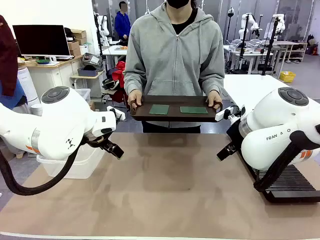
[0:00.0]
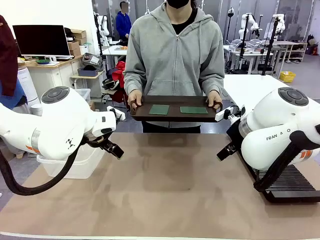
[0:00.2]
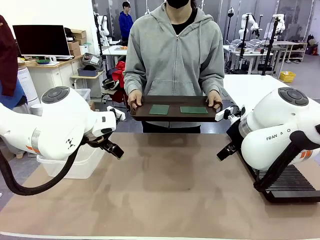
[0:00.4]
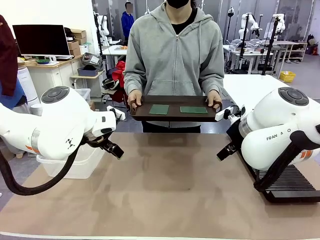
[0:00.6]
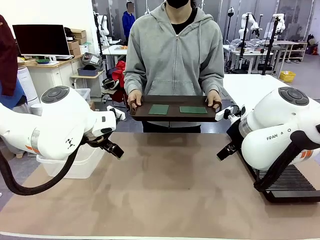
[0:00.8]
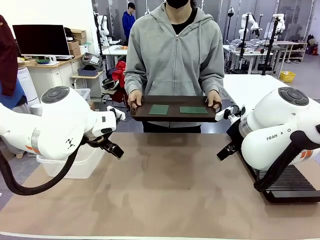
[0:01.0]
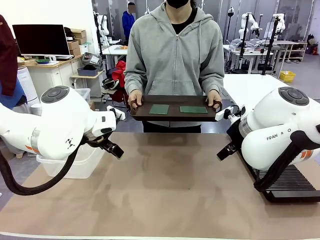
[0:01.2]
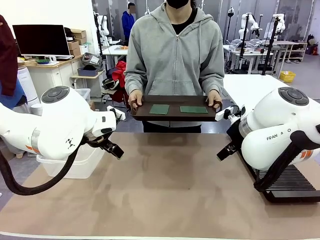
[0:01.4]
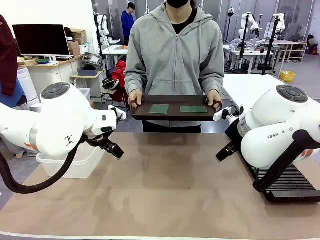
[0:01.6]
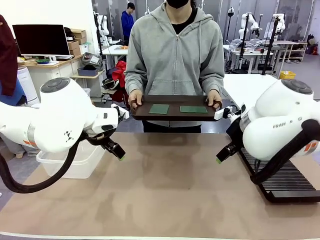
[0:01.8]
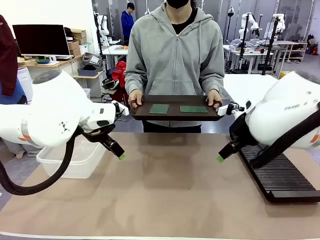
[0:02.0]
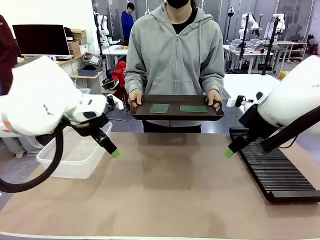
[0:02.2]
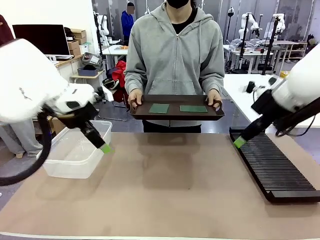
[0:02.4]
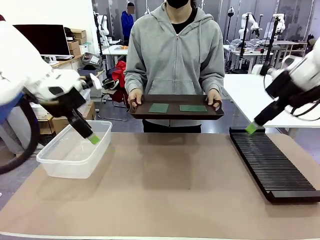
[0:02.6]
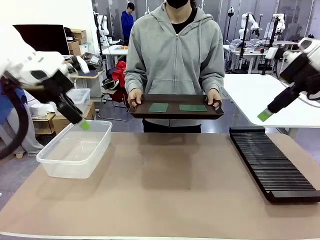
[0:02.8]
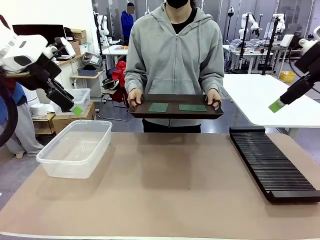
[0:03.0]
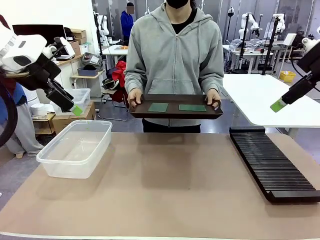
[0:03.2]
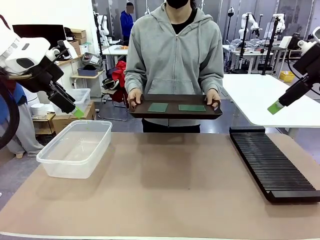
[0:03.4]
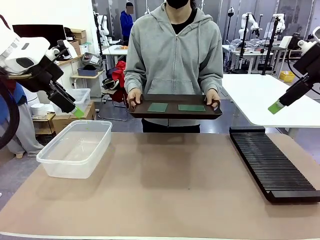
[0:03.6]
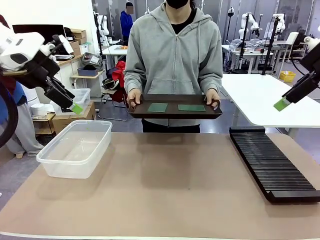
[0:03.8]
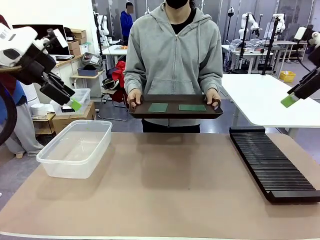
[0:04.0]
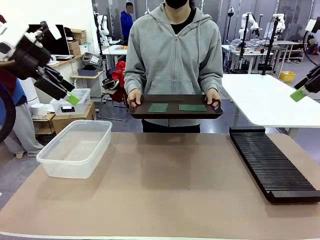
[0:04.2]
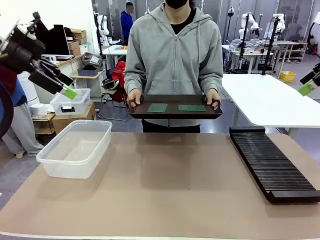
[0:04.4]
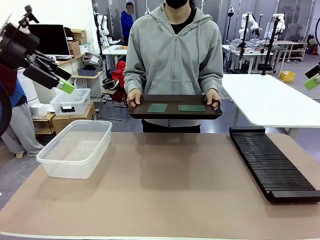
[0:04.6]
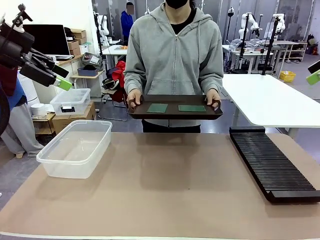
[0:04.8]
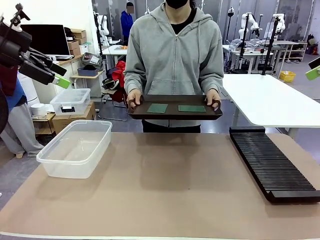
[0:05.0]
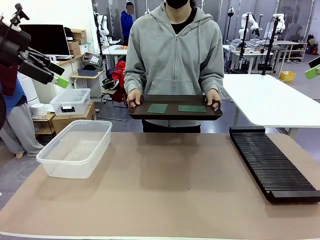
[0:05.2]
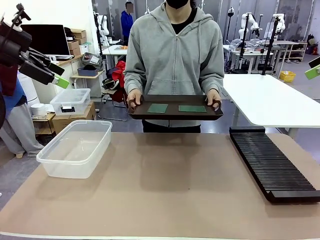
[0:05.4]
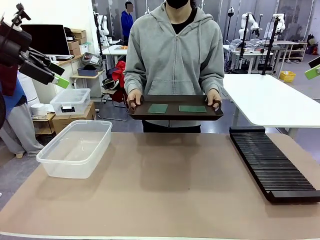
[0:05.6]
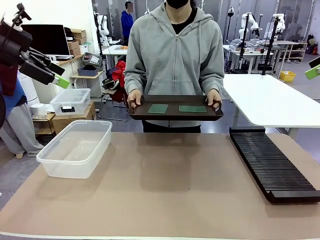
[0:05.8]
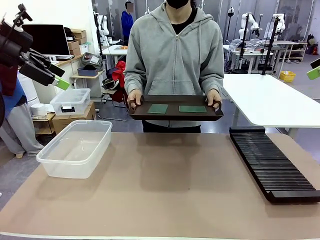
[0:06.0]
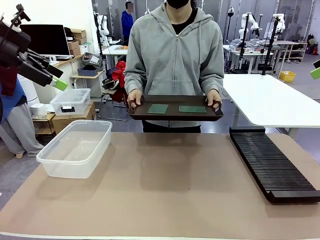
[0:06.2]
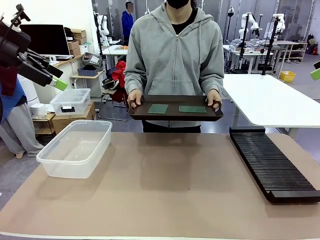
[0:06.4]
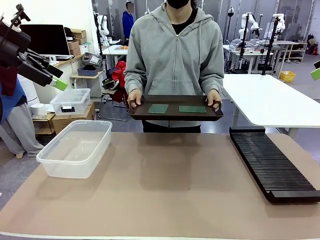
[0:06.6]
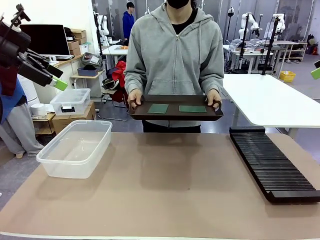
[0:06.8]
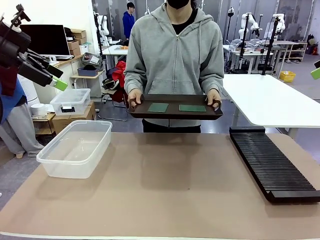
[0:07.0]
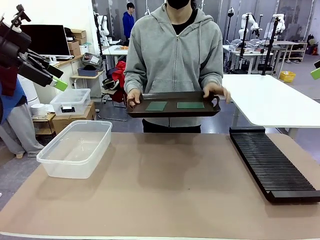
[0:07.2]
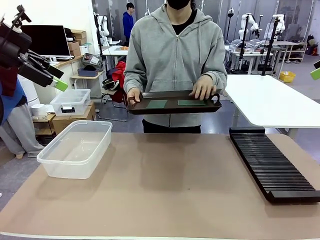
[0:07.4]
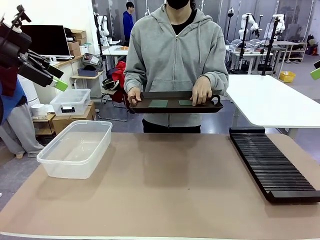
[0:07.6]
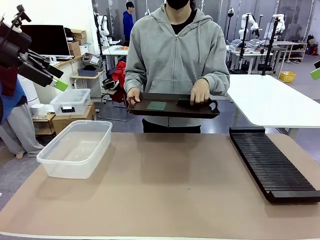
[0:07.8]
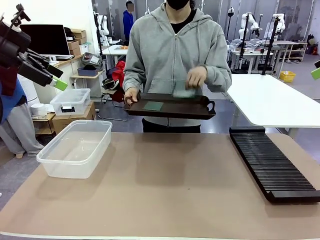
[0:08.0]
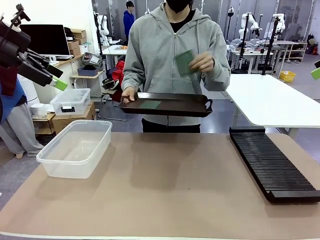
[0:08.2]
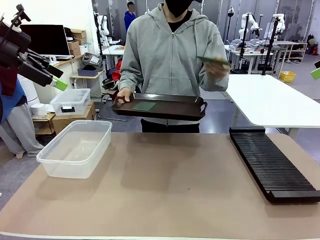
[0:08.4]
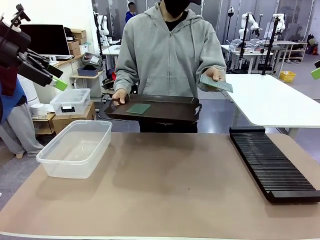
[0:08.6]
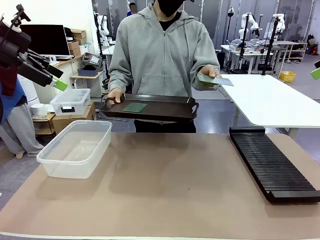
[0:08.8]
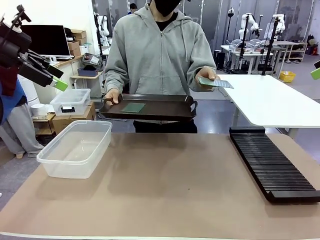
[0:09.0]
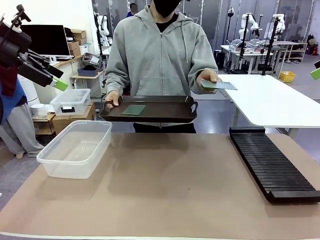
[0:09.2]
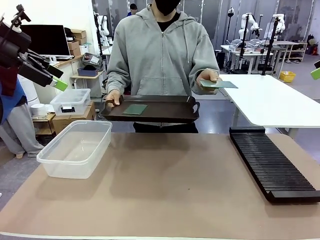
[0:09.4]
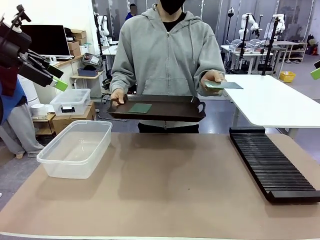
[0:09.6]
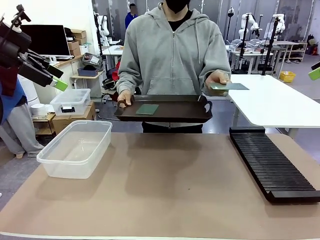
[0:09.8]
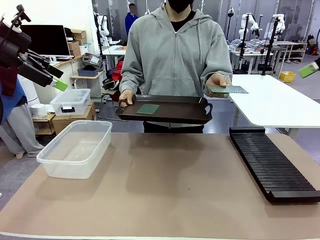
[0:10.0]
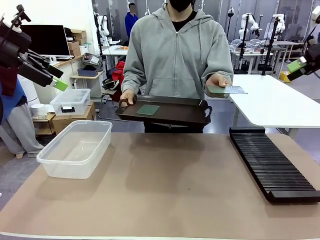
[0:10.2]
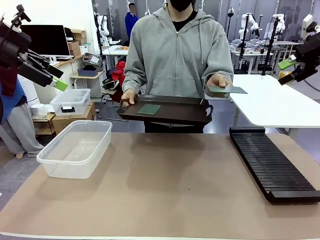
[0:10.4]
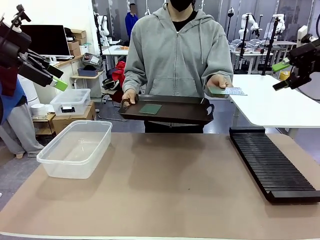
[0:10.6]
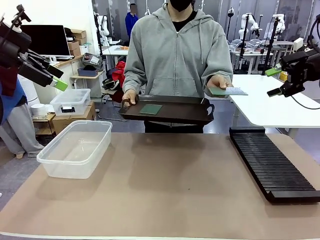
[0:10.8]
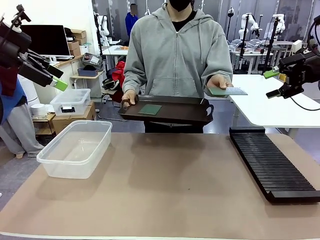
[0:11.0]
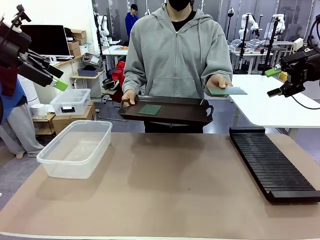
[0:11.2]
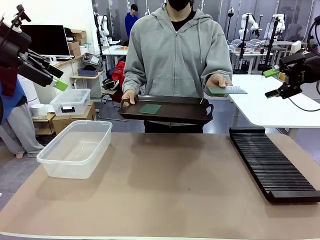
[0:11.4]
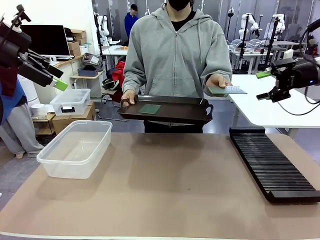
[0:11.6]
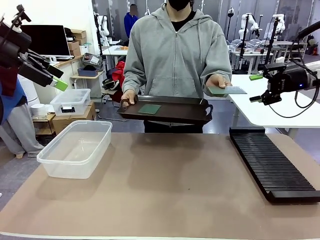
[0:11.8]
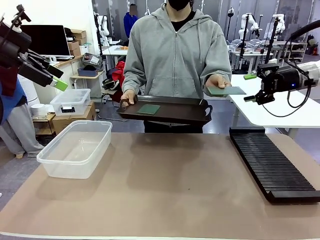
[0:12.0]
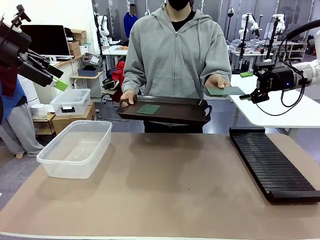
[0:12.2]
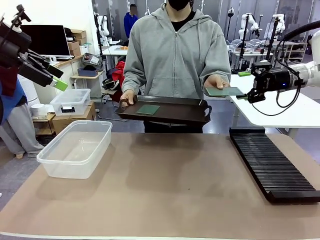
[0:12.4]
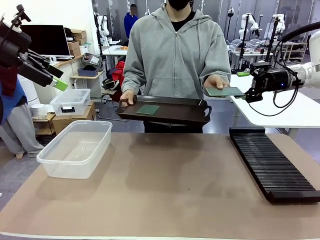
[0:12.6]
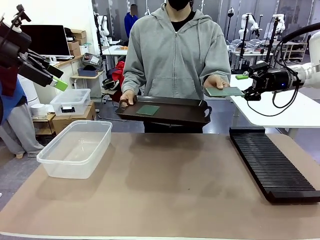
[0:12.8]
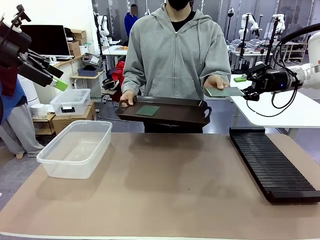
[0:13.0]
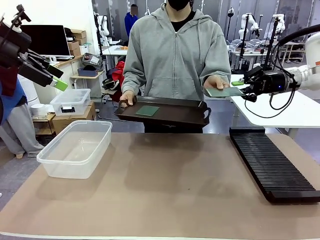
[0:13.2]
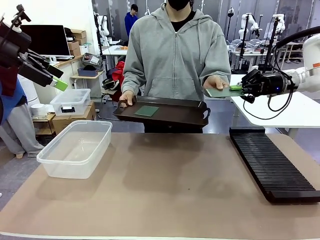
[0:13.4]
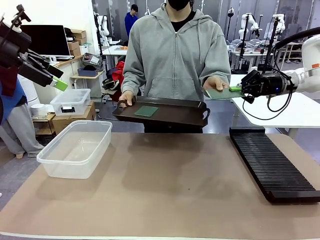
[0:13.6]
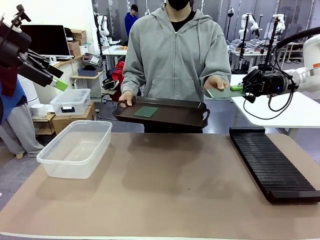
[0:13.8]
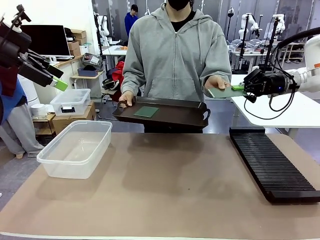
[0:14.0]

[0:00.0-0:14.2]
Task: Sort PCBs into racks and boxes based on the side picked up.
Robot: Pick up the Blank PCB handed by the Human.
Person: Pick one PCB from the tray and present it to the robot. Release the PCB being held.
